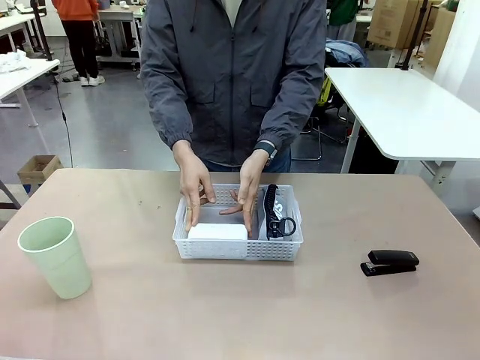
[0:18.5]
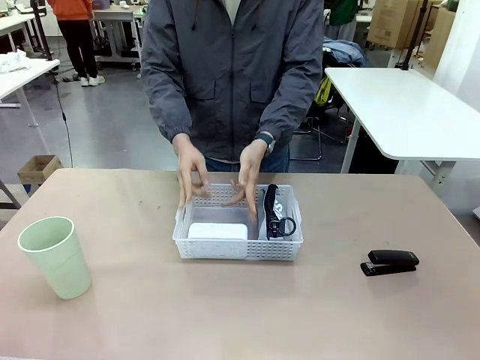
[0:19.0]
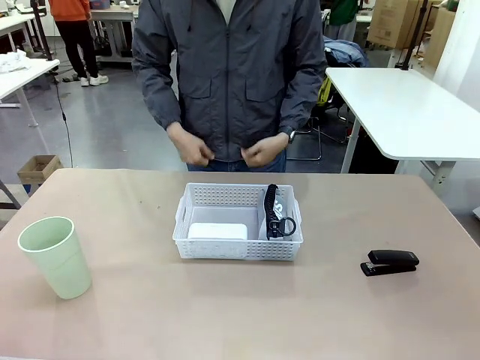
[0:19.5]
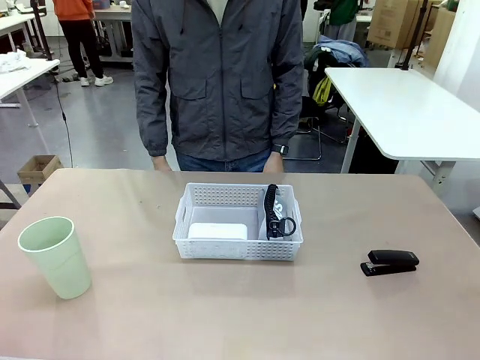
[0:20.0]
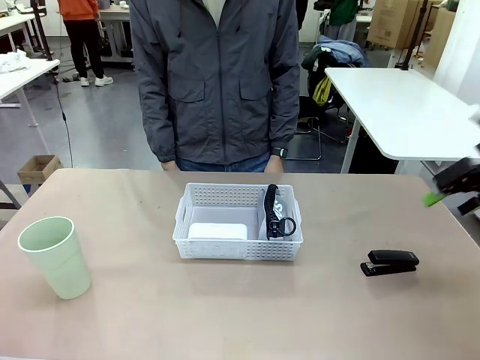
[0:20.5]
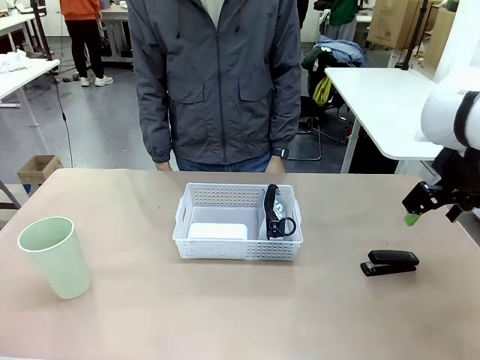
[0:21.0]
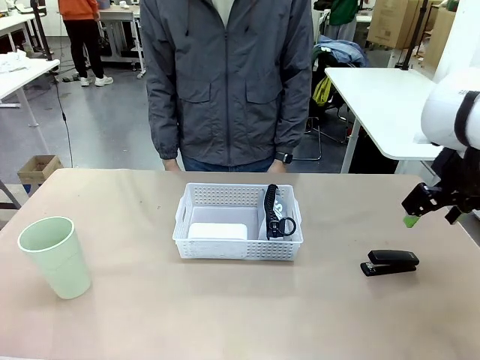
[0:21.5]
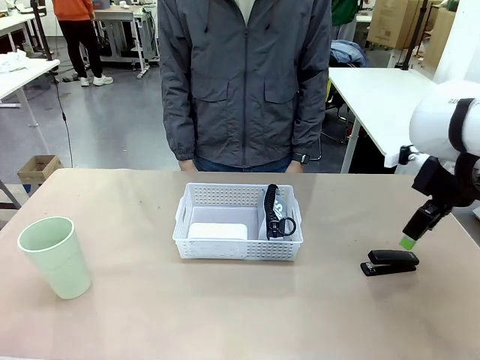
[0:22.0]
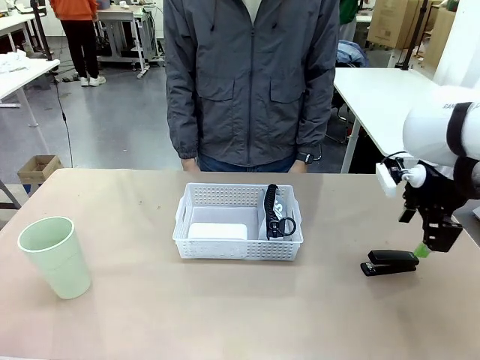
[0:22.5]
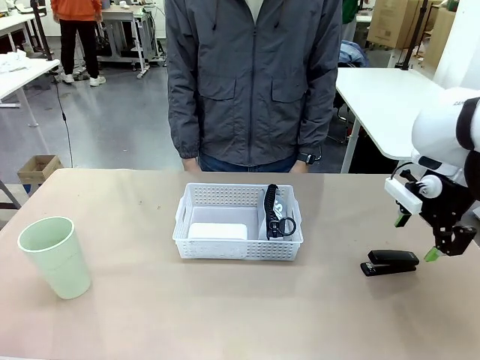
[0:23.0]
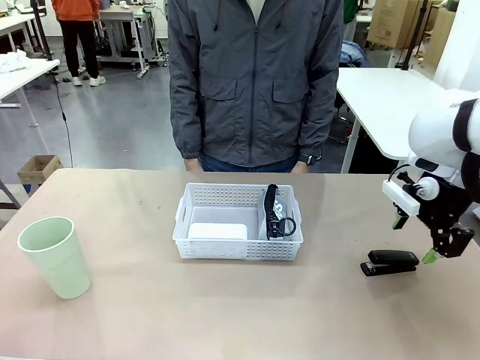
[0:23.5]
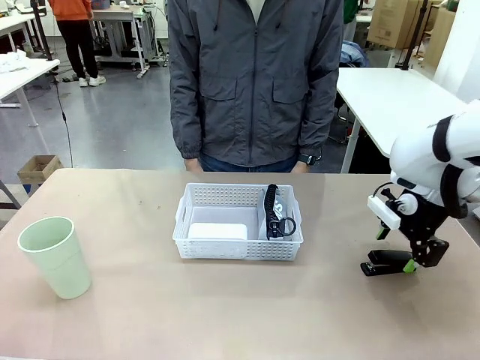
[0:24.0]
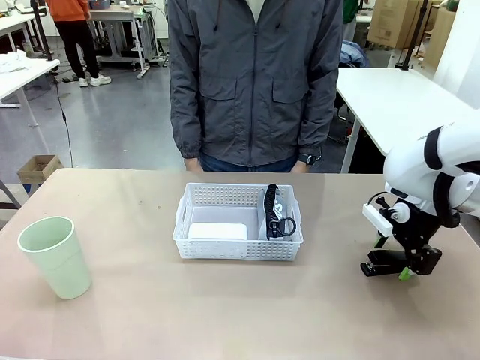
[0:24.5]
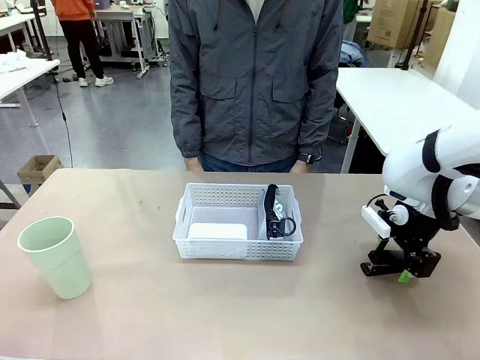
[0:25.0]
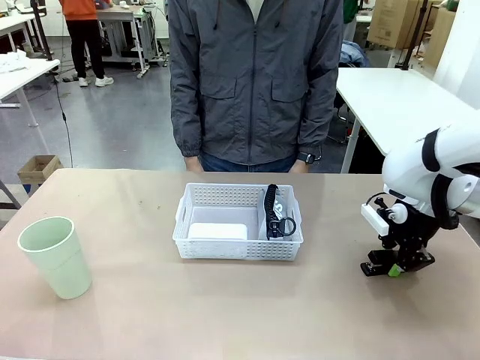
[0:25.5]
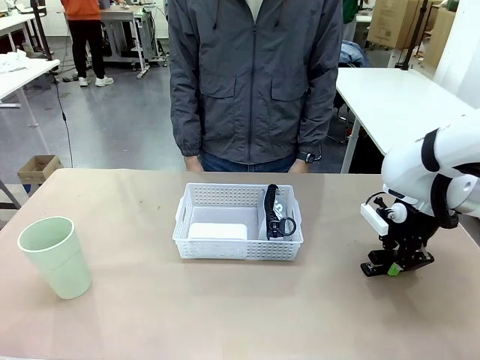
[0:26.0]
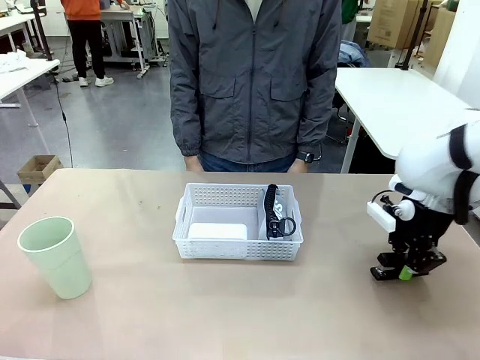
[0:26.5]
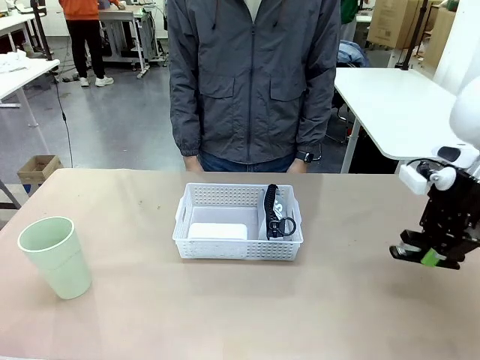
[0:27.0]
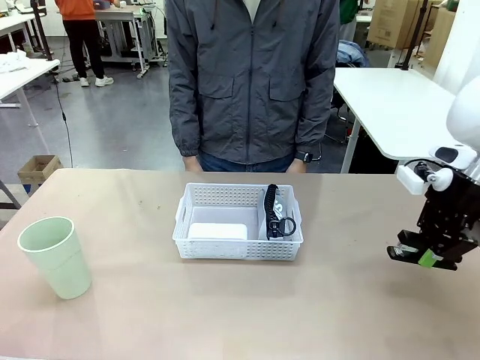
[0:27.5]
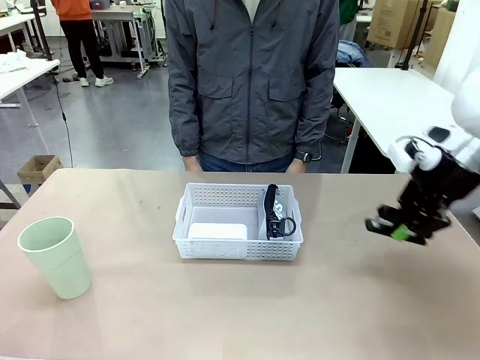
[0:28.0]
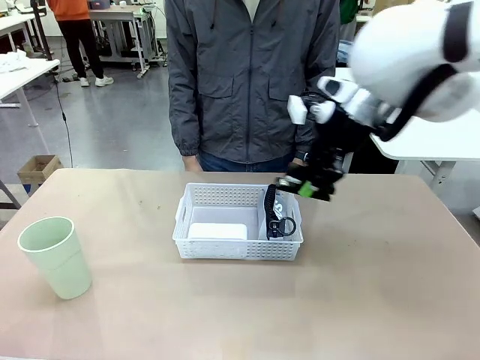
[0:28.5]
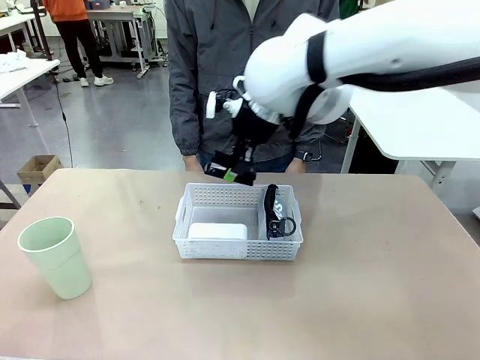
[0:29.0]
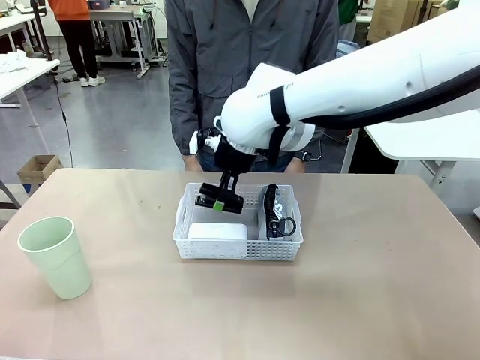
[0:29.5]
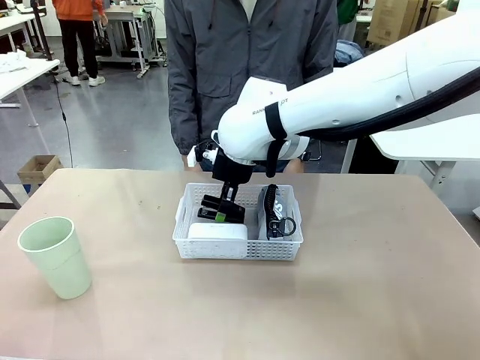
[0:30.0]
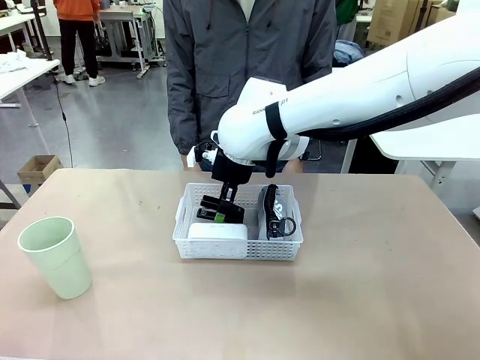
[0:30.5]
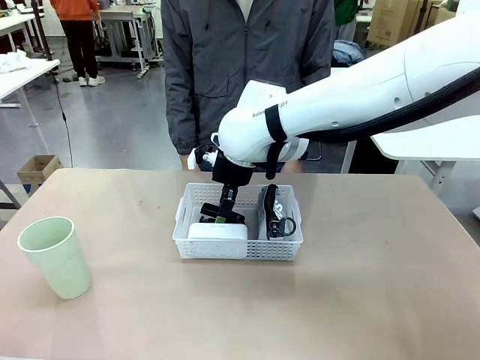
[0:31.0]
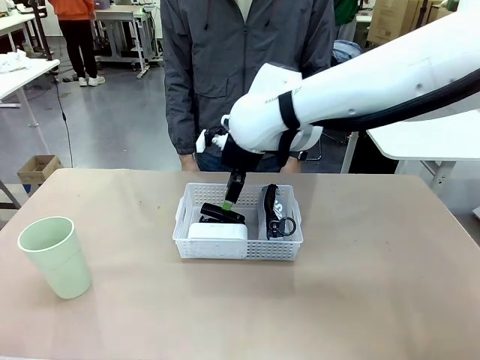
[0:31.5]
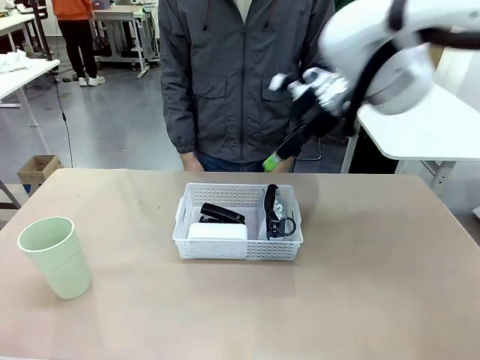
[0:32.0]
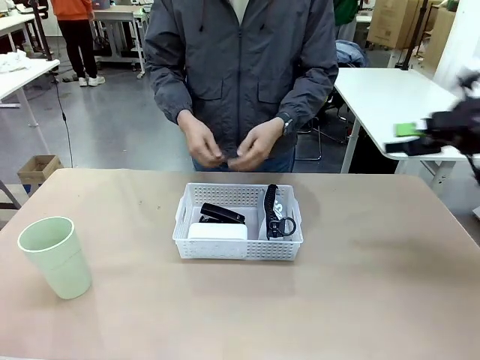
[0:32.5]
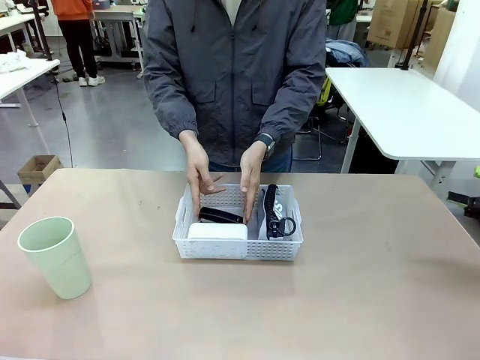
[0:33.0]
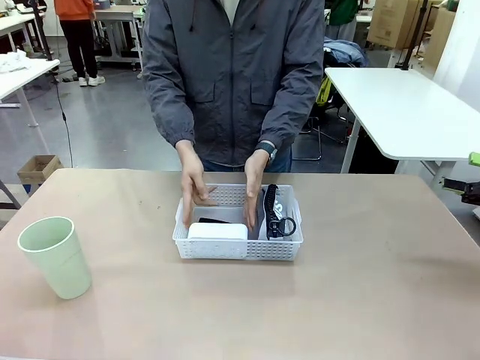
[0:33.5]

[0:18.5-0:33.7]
Task: Efficiently arrange items inside the basket to fit them all.
Robot: Pick up the Stapler and place it inside the Organizing basket.

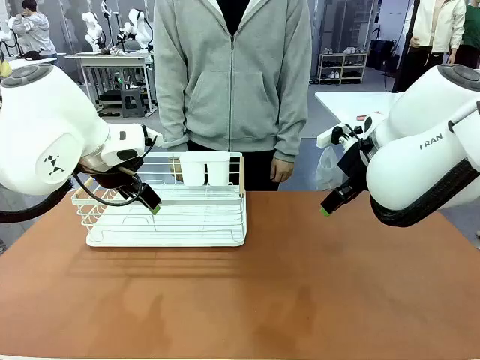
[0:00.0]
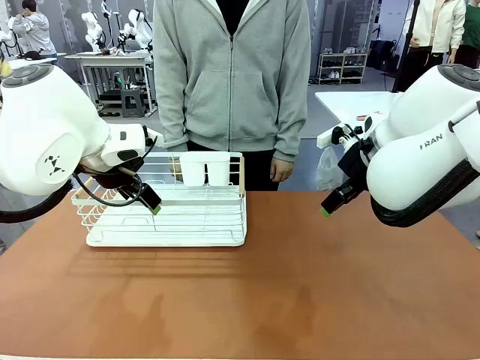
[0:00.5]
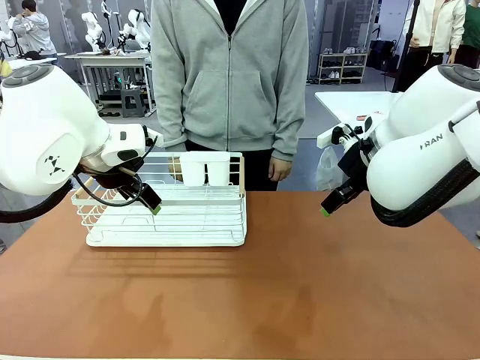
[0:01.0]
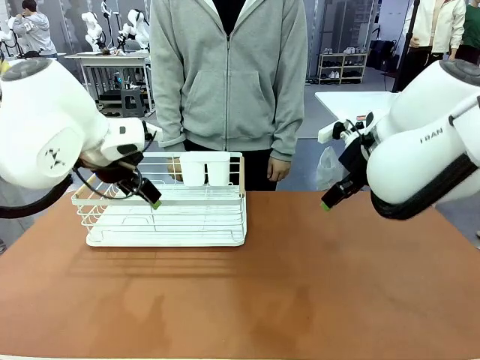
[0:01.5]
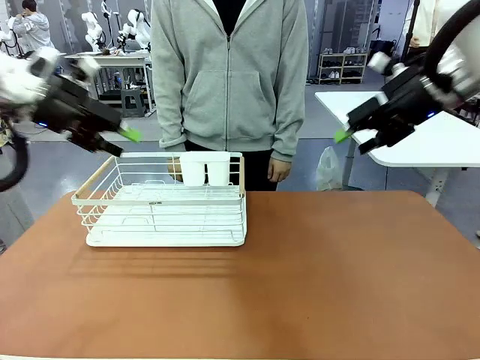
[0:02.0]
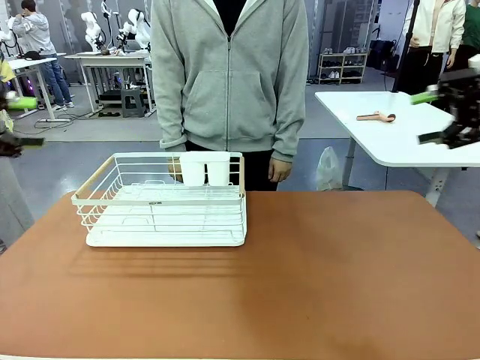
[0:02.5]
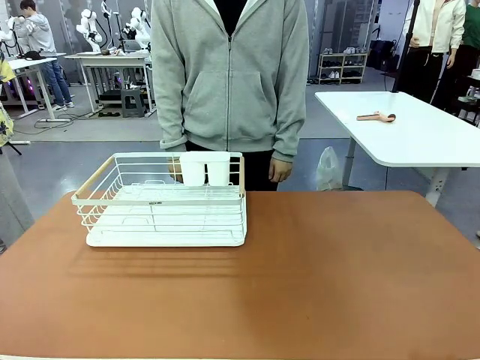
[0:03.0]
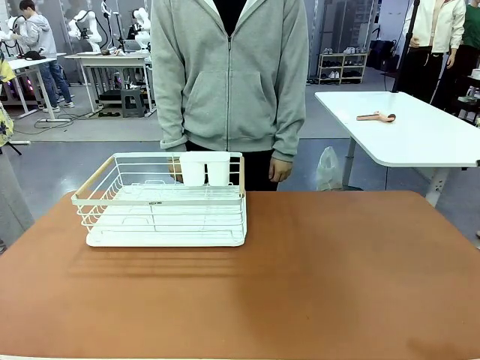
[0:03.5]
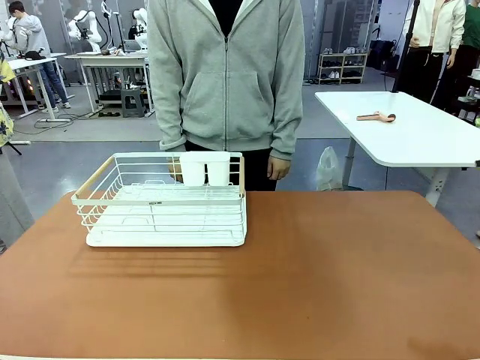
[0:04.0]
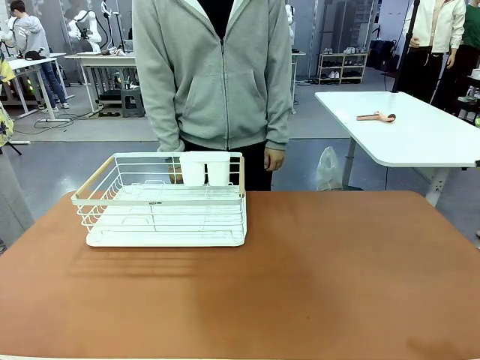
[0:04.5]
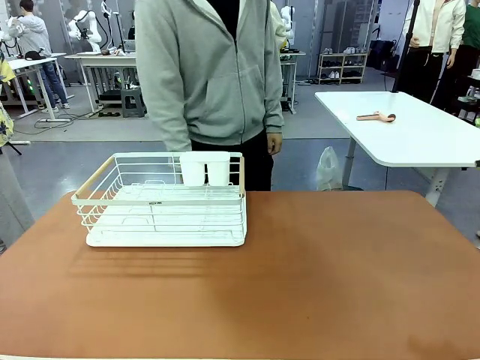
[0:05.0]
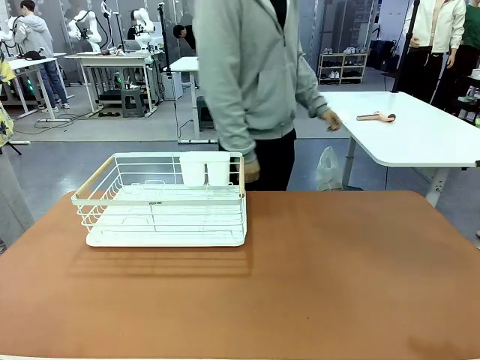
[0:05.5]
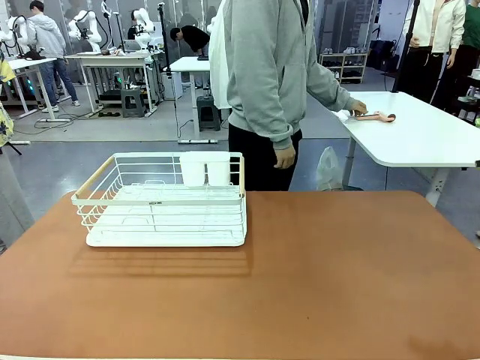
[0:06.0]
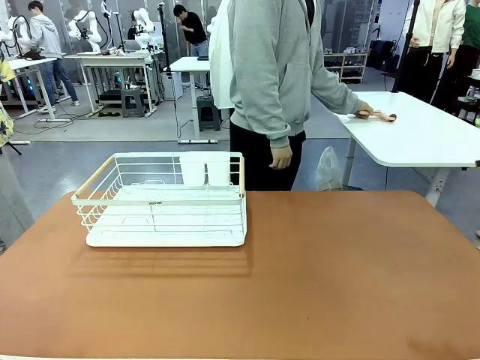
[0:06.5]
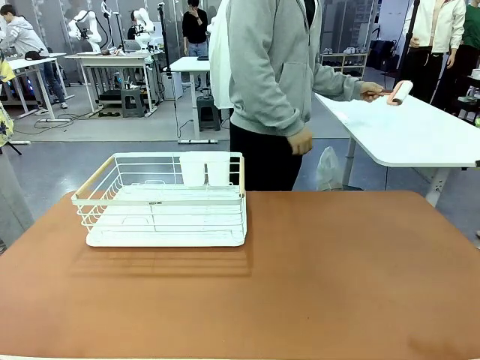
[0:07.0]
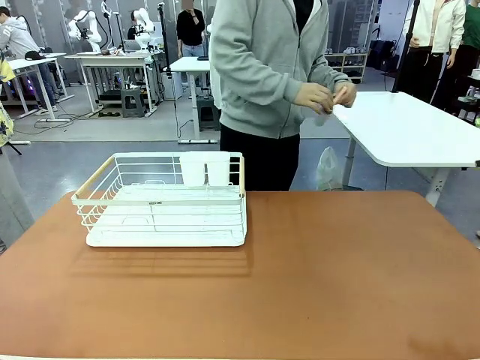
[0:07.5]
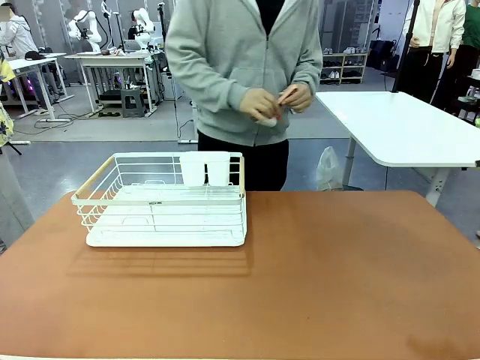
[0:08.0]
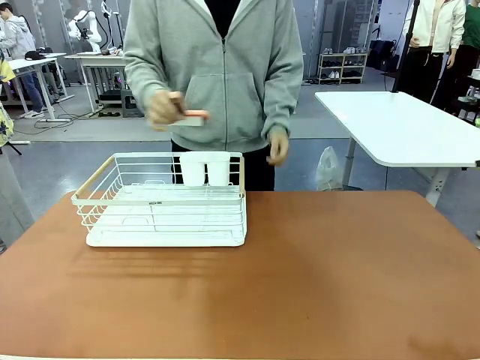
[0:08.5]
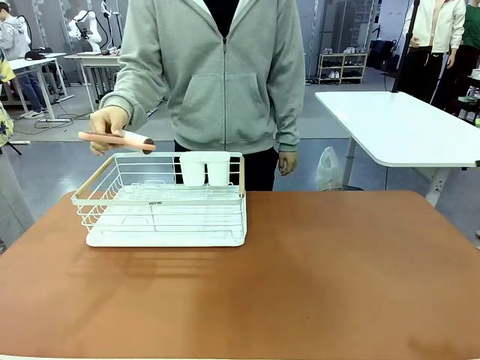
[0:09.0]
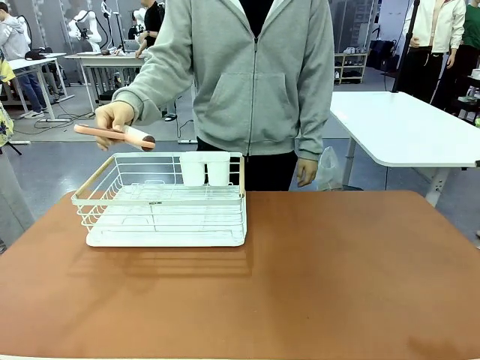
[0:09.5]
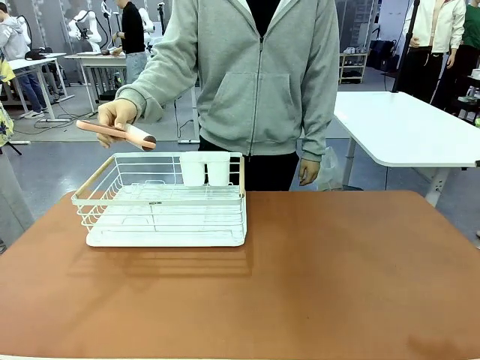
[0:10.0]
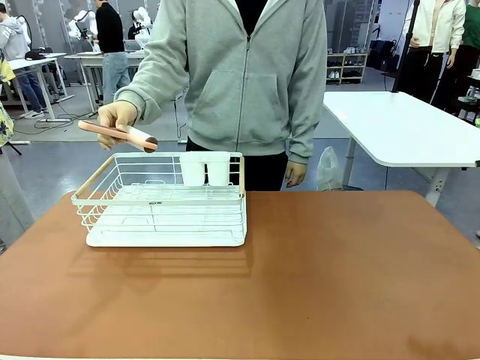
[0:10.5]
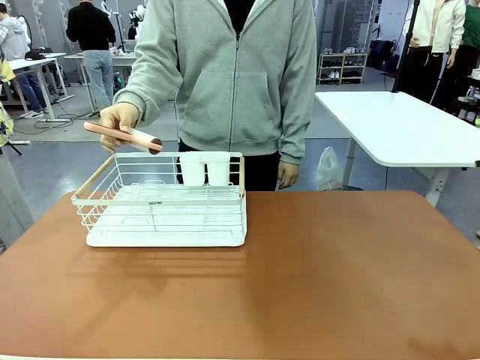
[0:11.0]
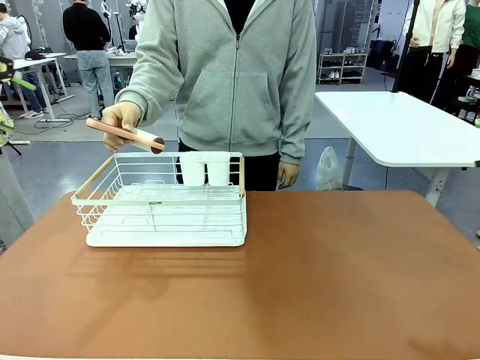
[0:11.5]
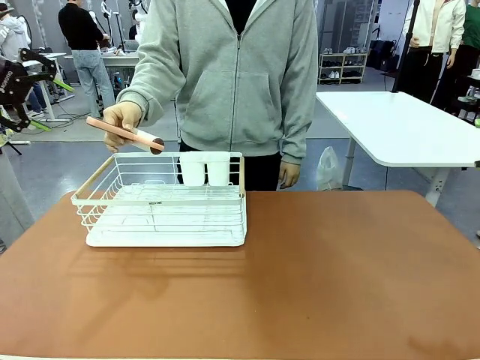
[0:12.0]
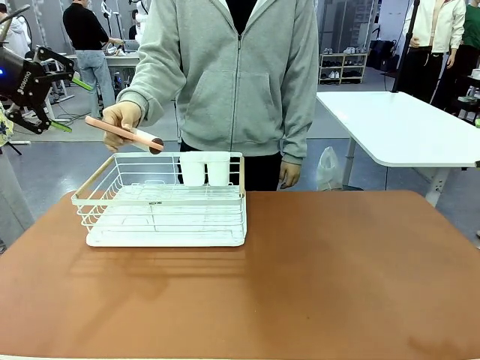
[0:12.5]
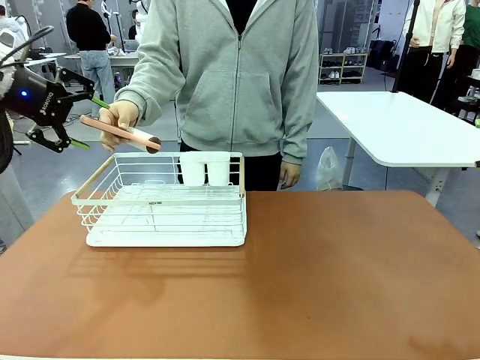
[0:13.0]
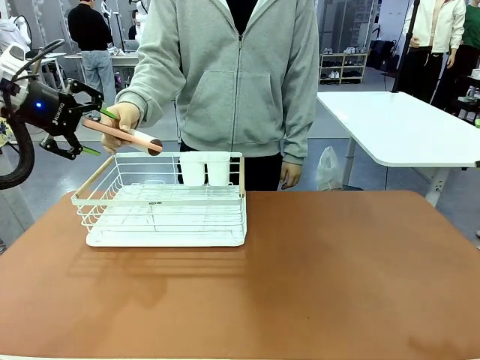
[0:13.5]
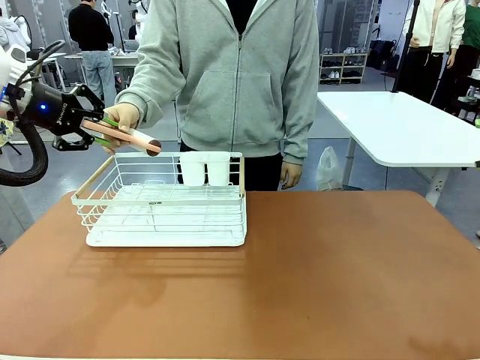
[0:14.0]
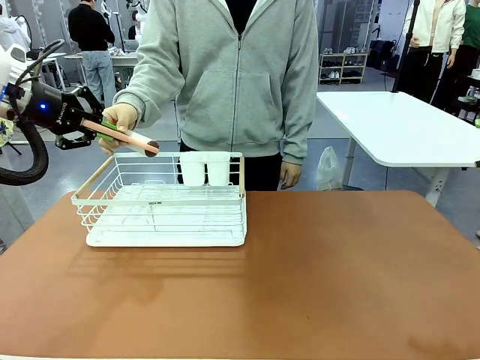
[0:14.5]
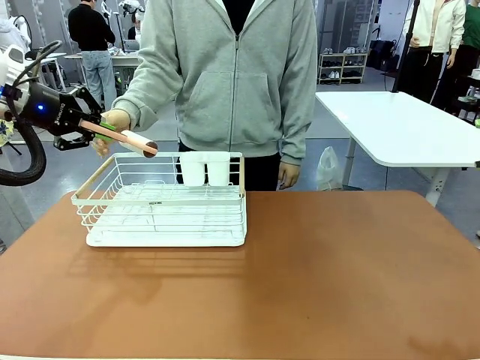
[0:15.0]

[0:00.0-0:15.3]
Task: Clean the table.
Robot: Pick up the Lint Roller when the human hands it over.
Person: Hand the Lint Roller to the robot so it can easily pick it up. Lift the Dish drying rack.
